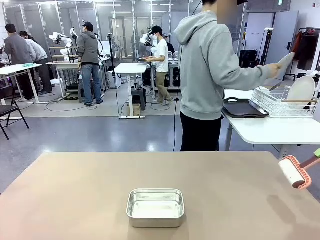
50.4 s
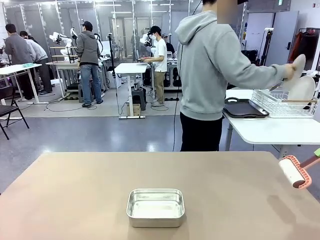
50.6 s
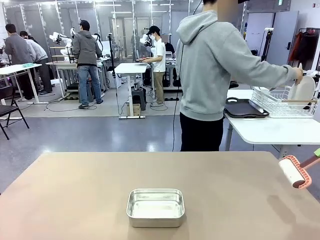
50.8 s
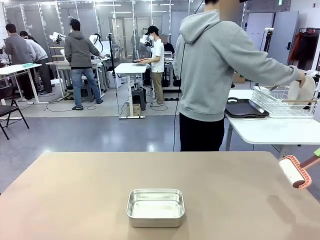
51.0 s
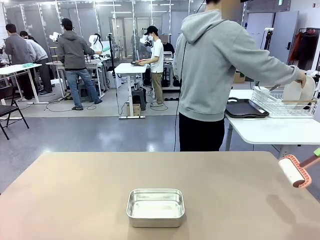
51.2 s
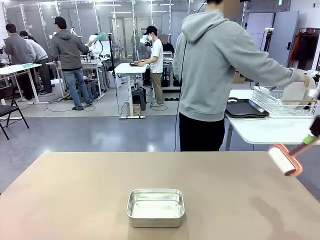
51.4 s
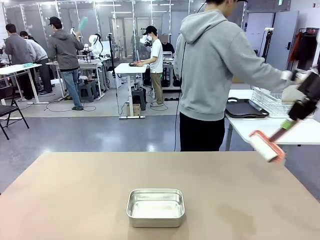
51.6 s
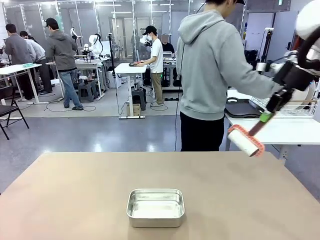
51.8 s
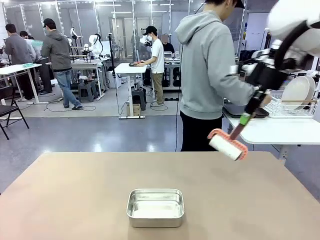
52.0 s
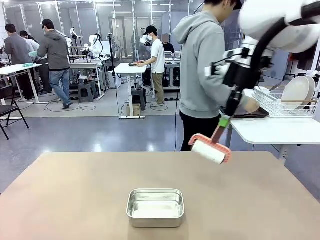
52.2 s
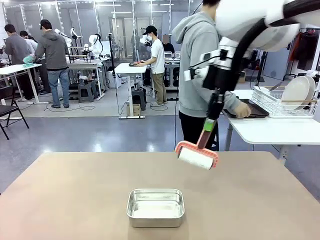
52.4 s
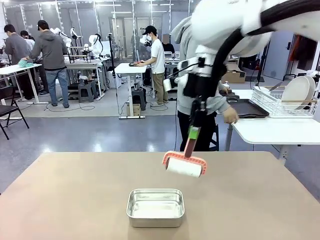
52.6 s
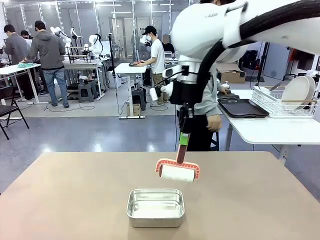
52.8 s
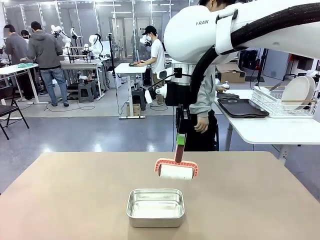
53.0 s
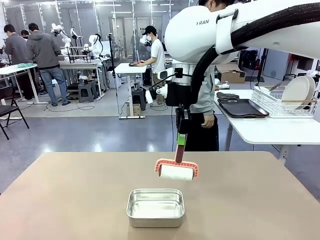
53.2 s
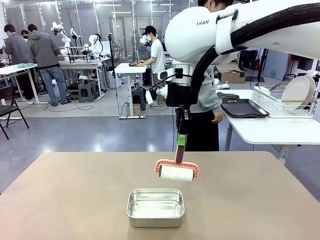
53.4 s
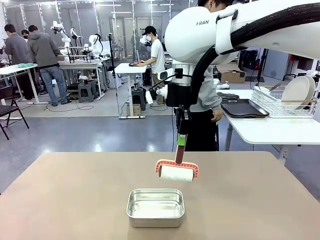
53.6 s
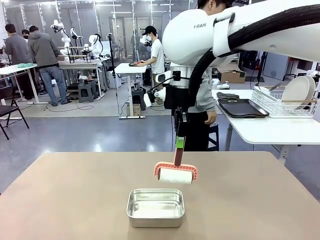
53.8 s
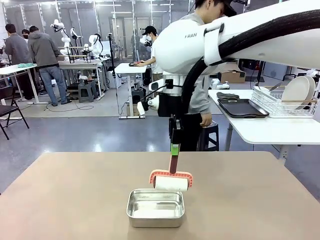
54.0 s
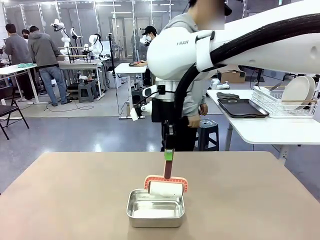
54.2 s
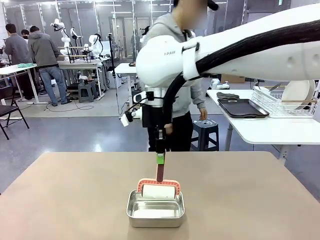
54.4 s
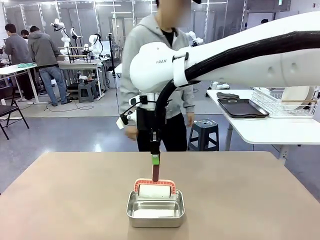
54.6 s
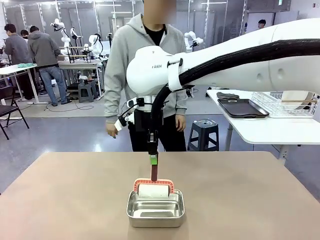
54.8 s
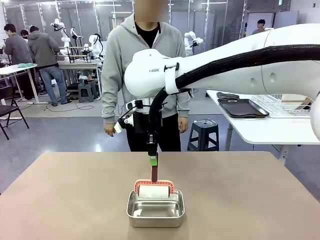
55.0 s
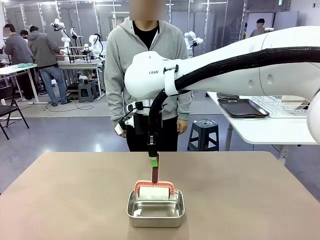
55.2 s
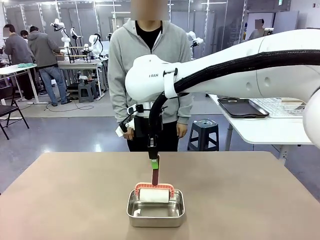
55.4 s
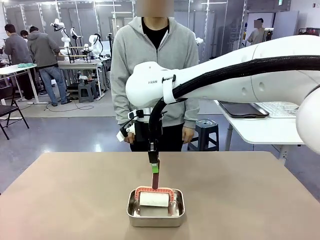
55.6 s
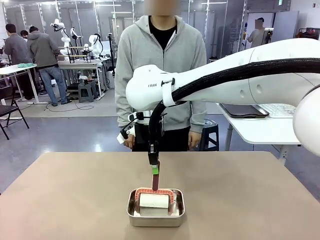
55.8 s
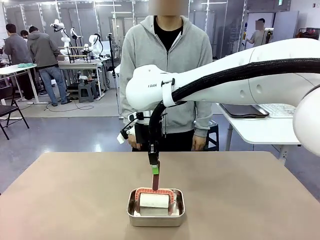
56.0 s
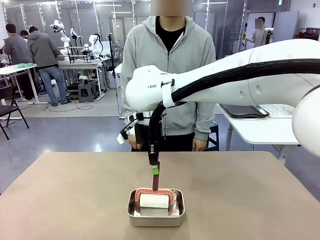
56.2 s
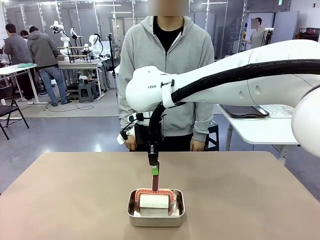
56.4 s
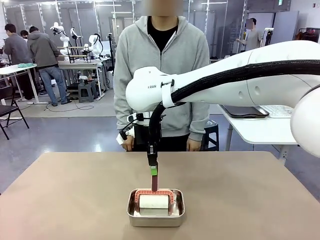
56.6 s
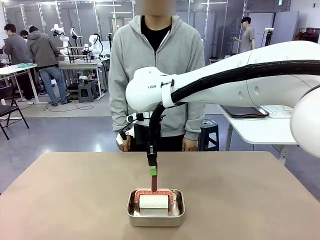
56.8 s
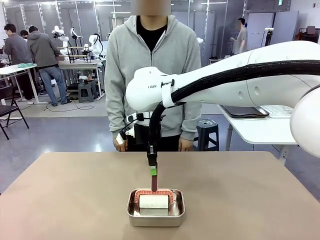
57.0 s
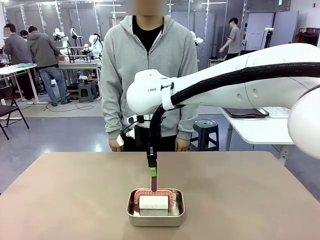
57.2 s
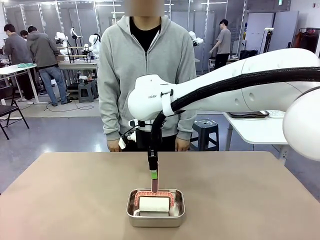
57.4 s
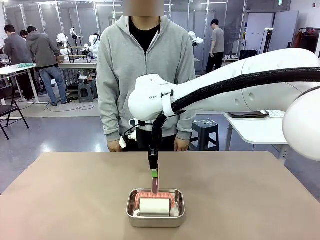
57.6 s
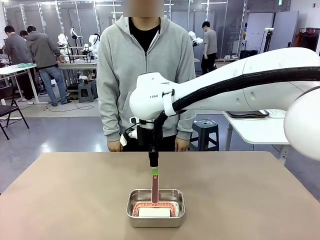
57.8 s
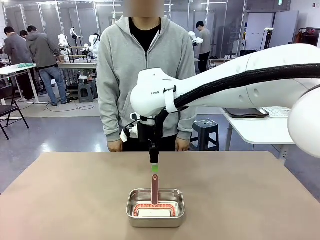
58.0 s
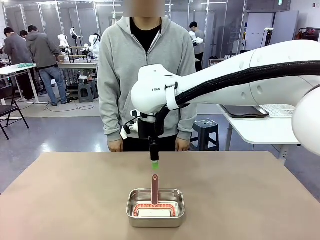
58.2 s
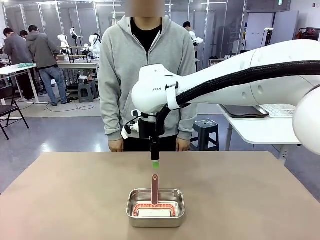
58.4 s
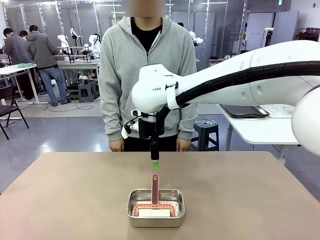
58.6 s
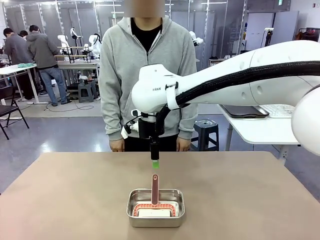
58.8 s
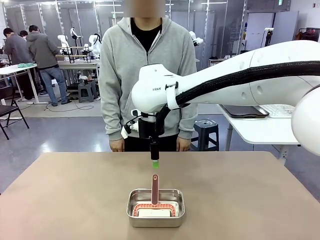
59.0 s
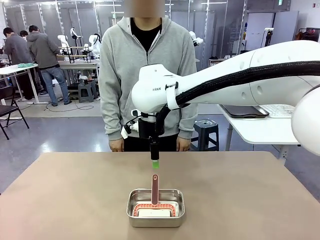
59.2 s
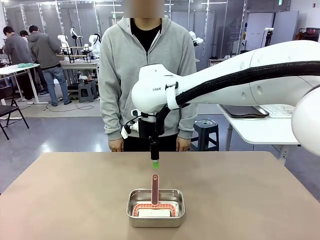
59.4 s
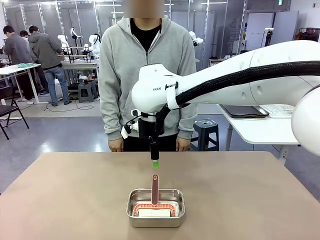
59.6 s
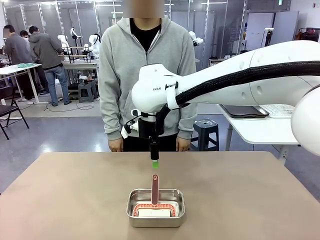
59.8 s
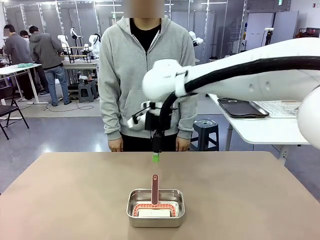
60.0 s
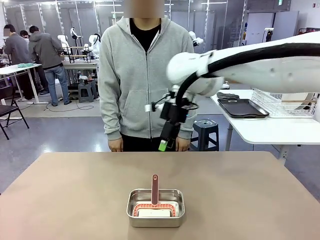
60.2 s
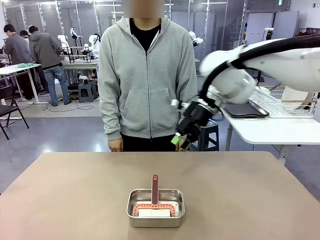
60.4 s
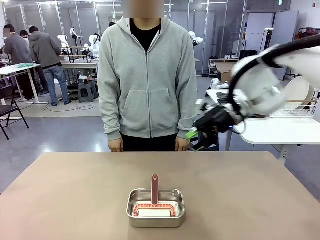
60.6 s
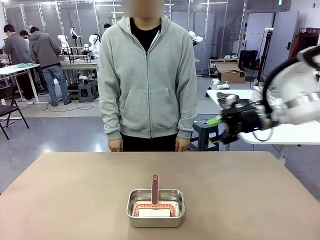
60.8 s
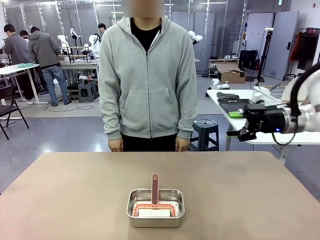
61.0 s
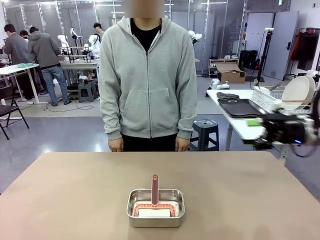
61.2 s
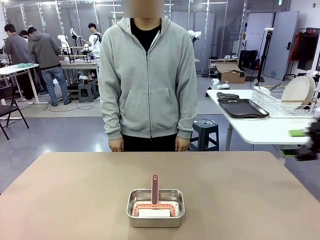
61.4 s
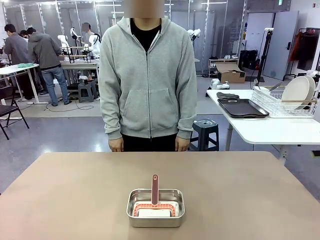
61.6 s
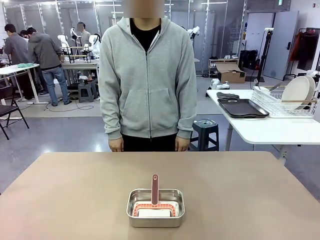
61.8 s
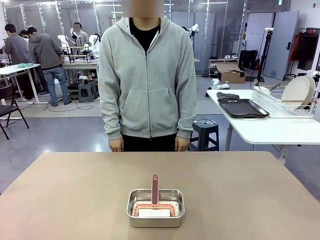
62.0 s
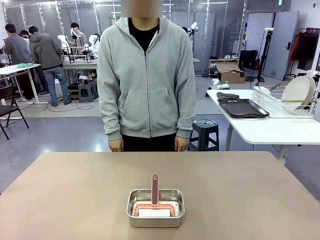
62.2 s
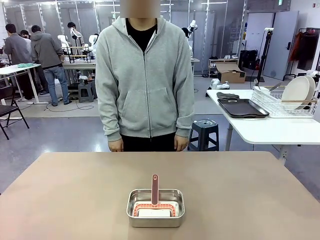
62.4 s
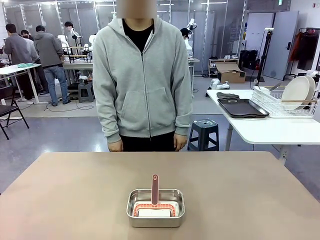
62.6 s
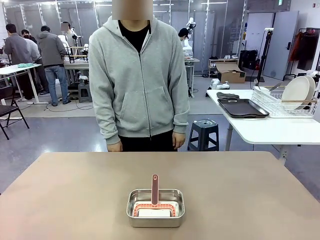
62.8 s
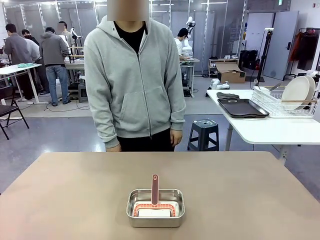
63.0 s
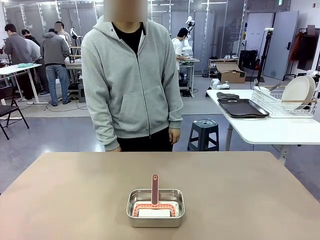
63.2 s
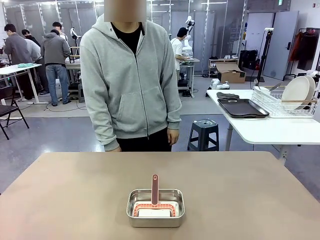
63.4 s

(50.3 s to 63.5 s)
Robot: Place the Lint Roller back on top of the Airtight Container.
Person: Use the Towel with hook to wipe the Plastic Matte Plate , Fork , and Knife and place into the Dish drying rack.
